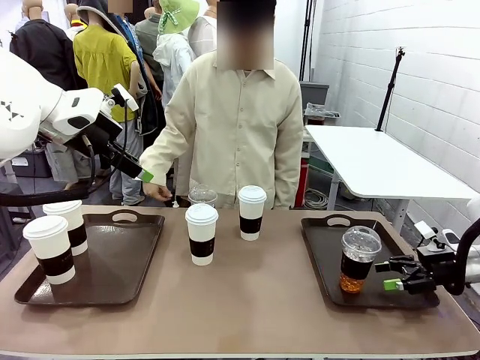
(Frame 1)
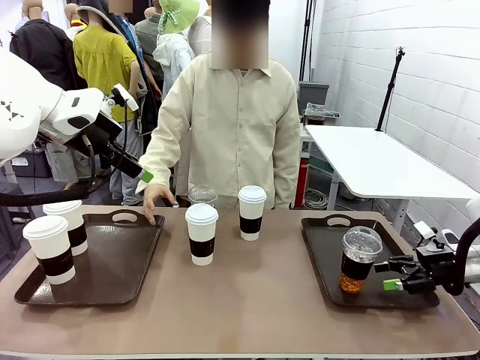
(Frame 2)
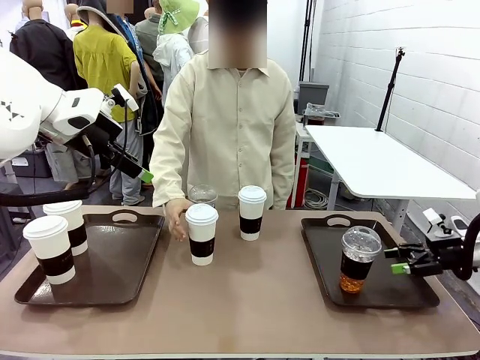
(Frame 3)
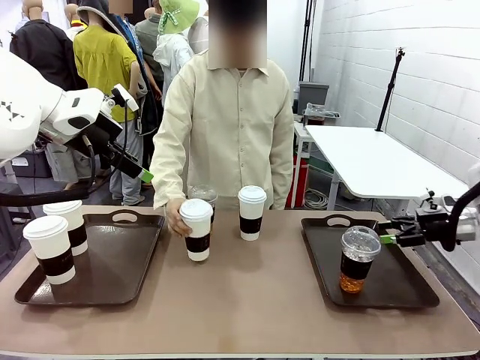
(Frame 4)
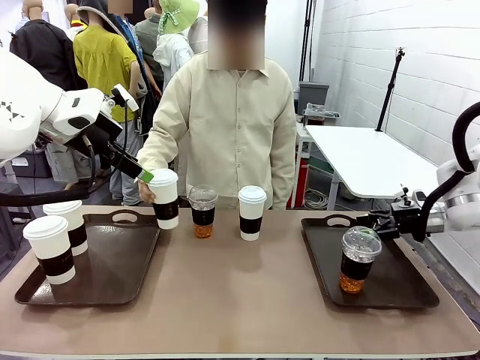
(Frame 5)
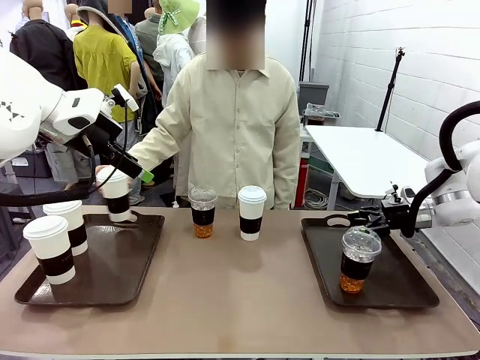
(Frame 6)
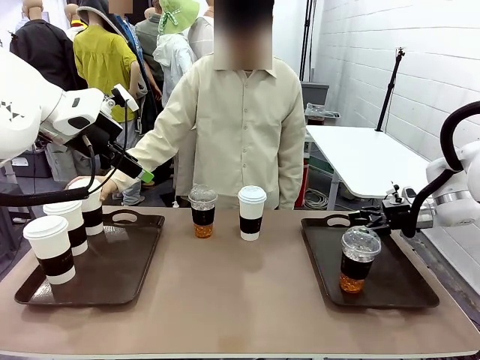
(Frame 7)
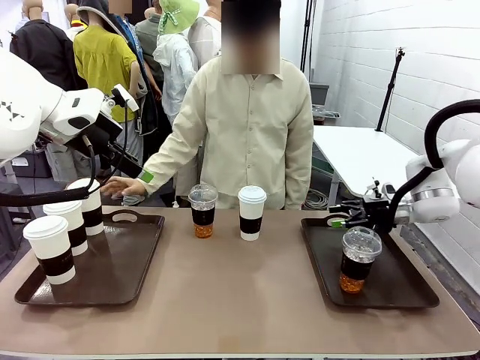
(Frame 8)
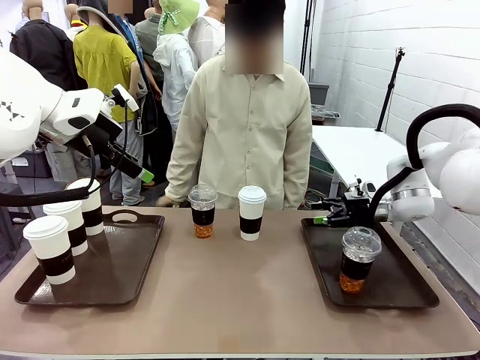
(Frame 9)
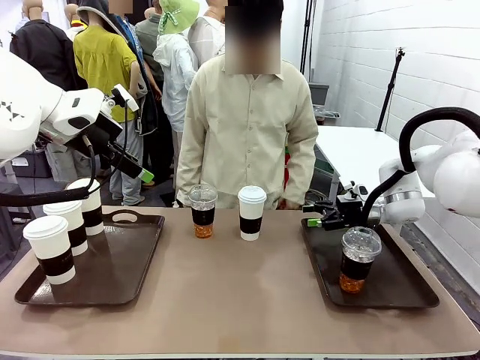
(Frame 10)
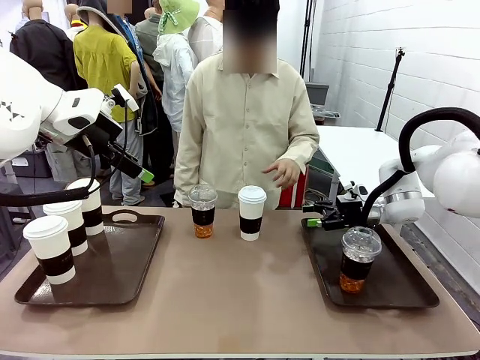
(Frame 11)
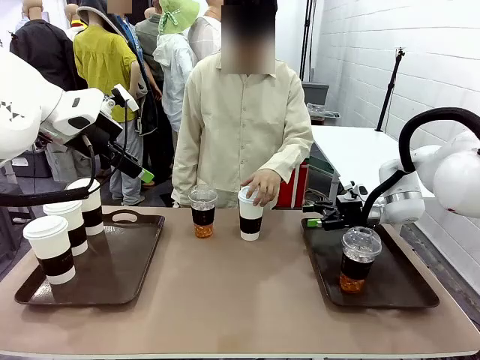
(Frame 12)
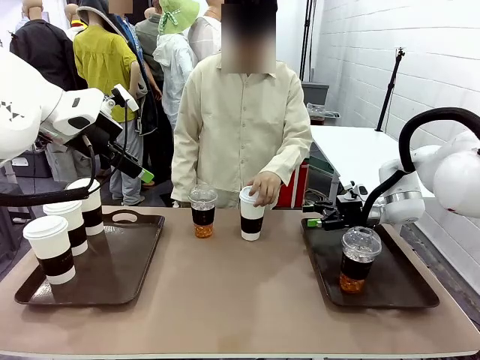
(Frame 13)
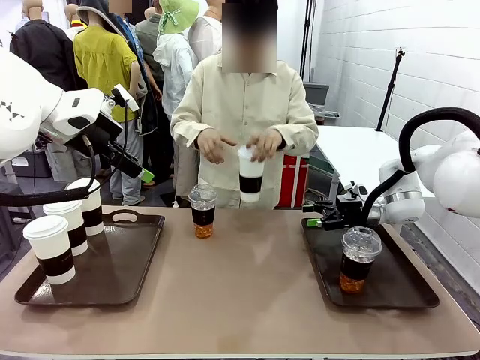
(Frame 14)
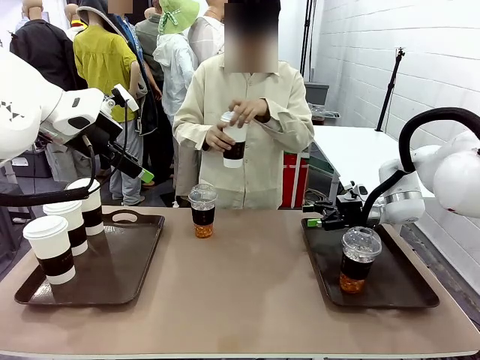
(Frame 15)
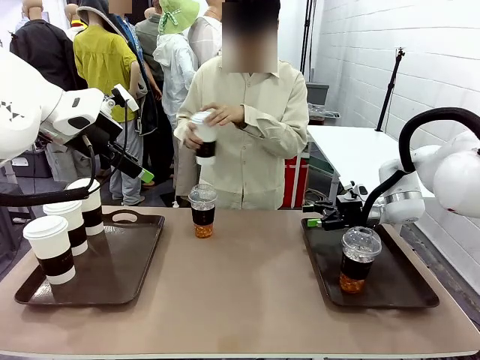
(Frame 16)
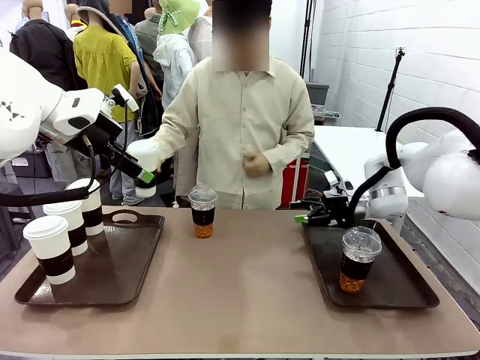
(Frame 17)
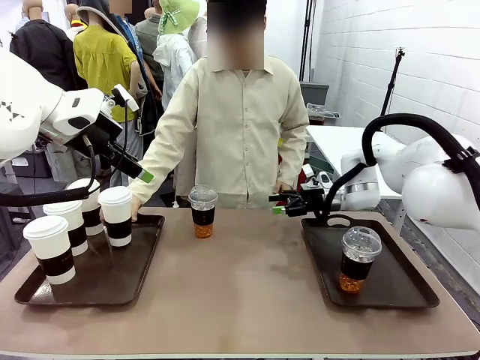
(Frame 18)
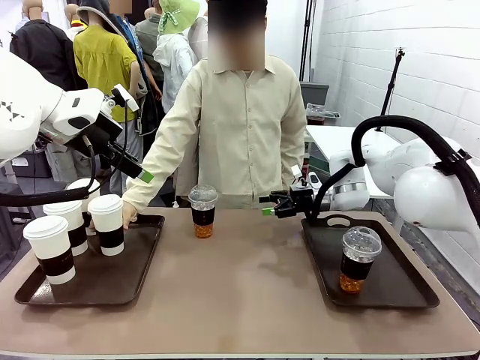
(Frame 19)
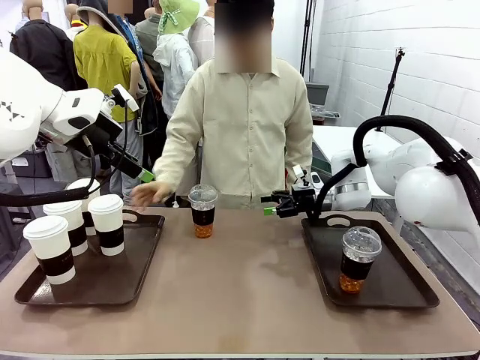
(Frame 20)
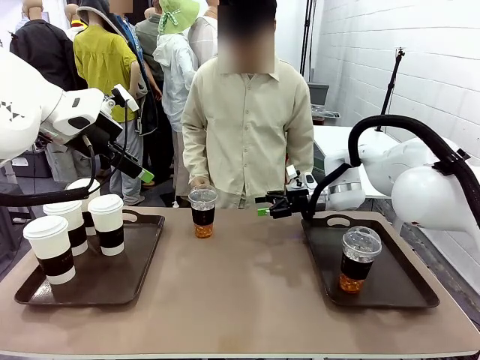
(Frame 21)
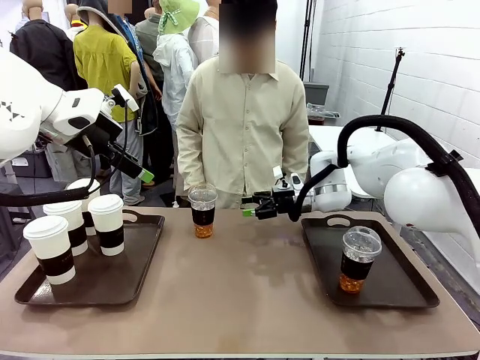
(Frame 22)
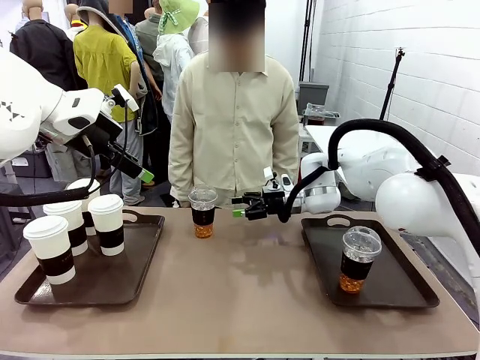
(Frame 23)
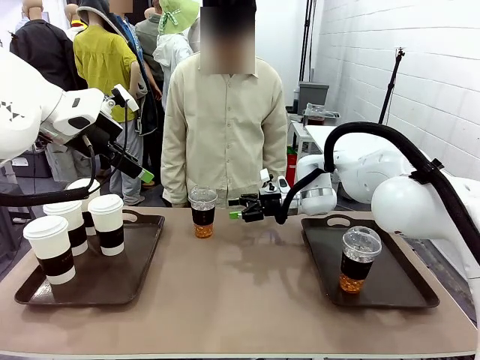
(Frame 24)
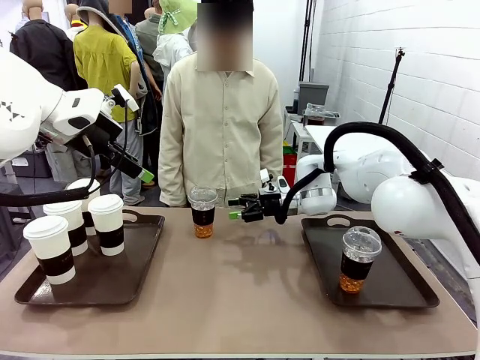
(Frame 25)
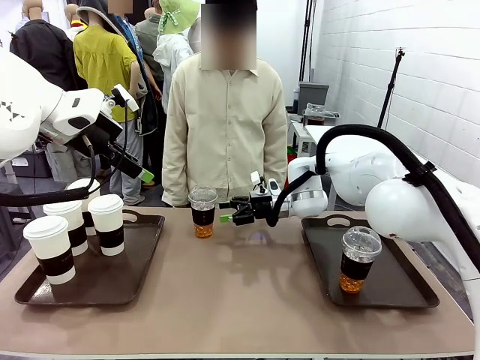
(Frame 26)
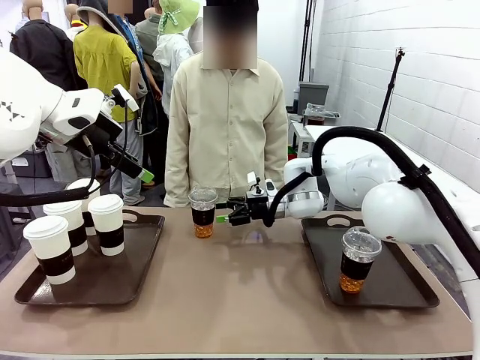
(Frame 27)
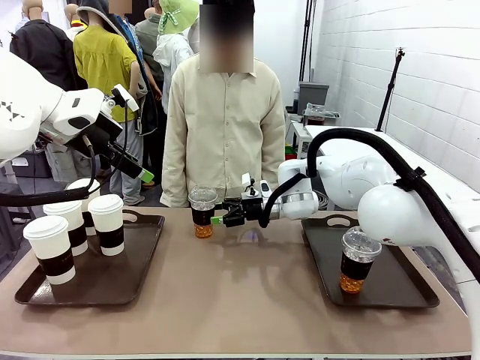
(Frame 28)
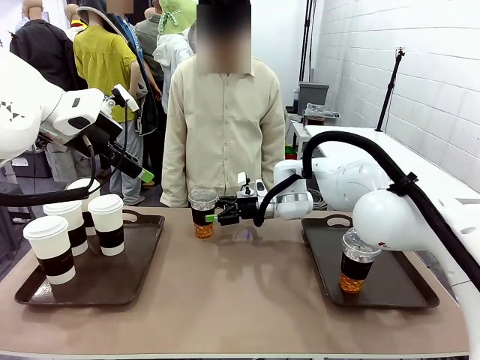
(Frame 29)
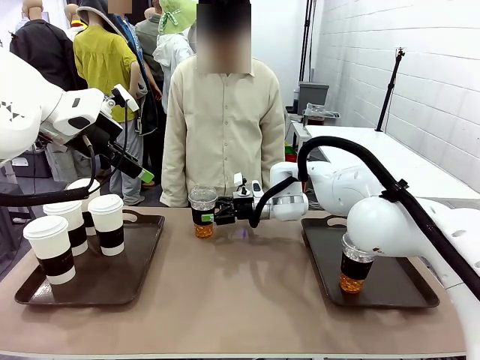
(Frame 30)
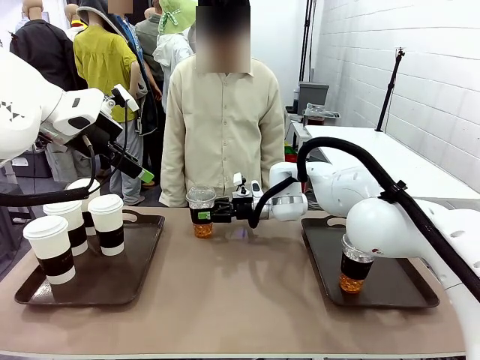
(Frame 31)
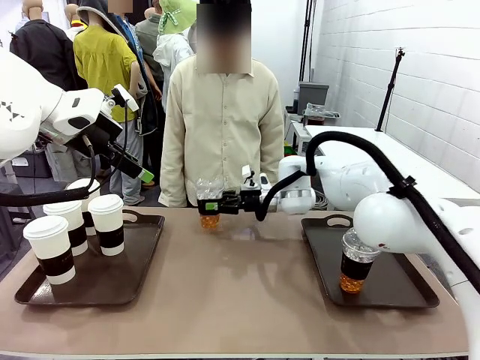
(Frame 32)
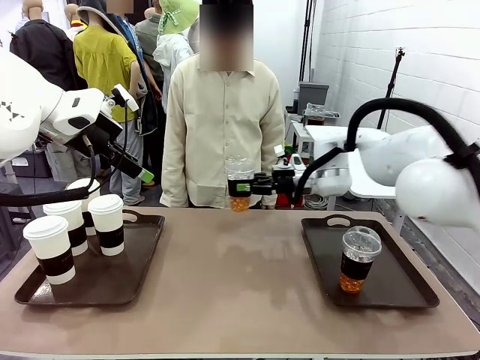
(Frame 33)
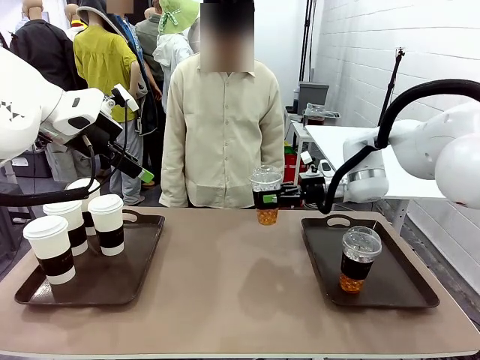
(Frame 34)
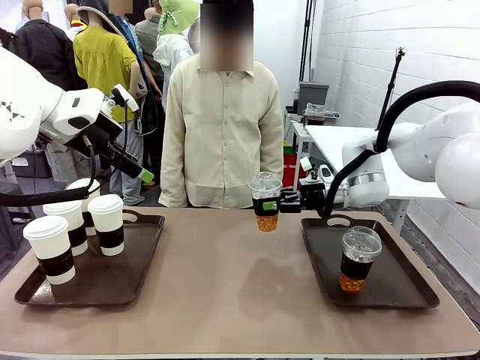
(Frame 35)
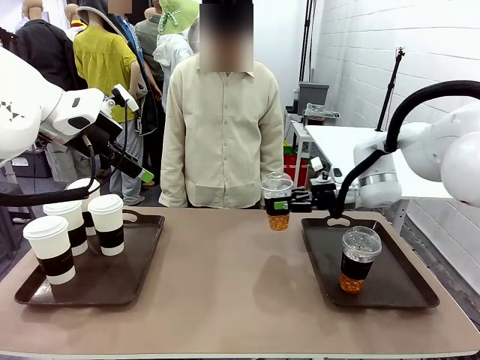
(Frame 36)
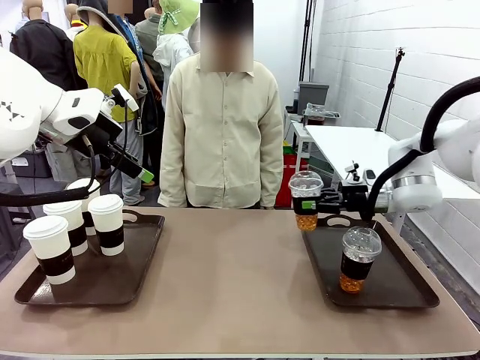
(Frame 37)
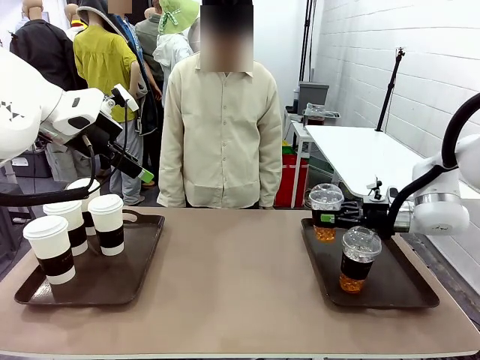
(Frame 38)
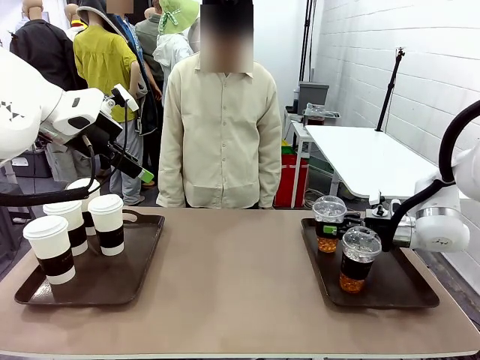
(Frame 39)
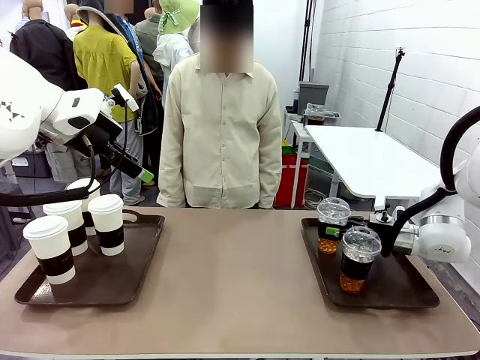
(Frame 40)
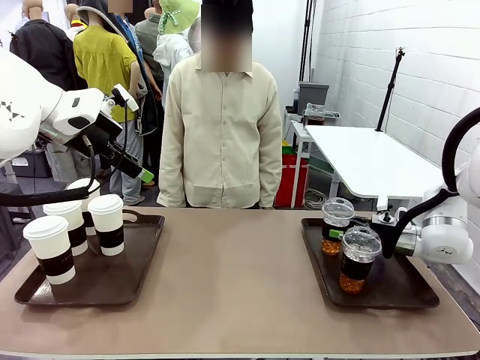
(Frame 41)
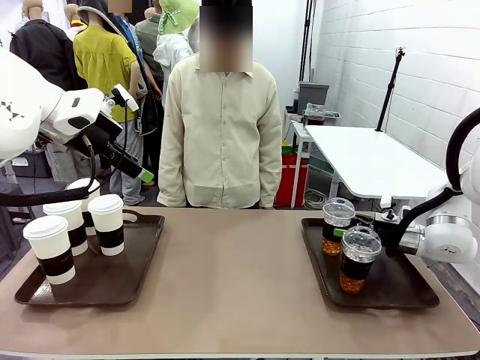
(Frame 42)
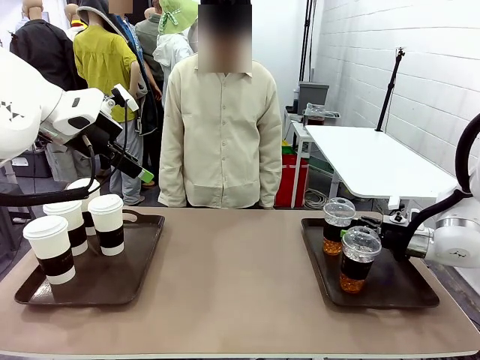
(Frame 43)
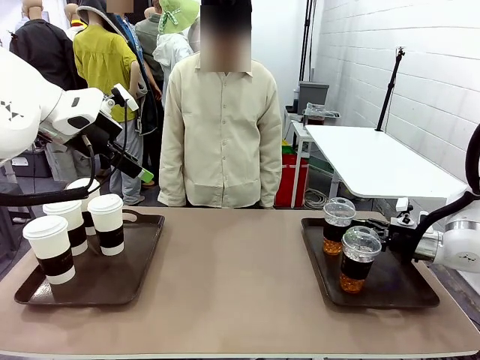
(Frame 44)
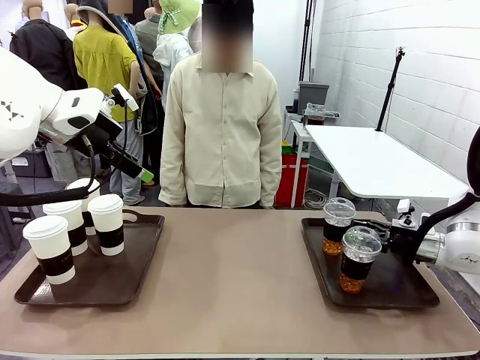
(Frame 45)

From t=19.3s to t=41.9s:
Task: Distribute the coffee onto the tray.
Robot: Pick up another iced Americano from the middle of the table and place it on the right Handle tray.
Person: Pick up a cup of hot Americano from the middle of the table and place it on the right tray.
